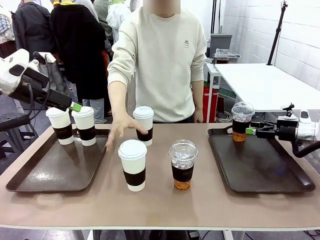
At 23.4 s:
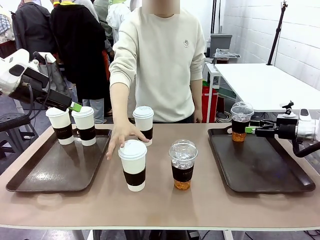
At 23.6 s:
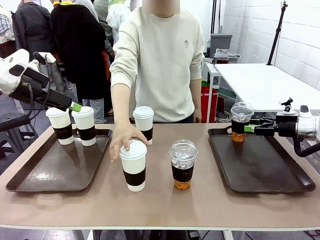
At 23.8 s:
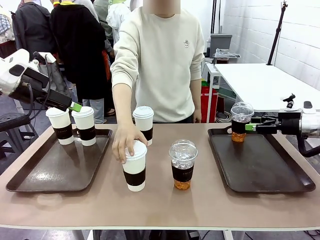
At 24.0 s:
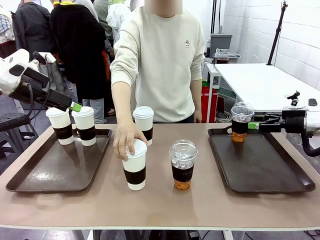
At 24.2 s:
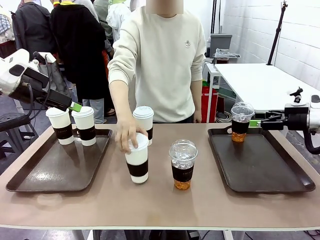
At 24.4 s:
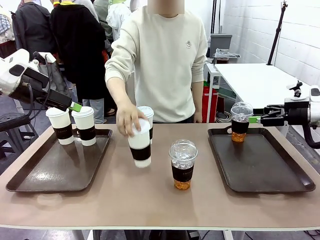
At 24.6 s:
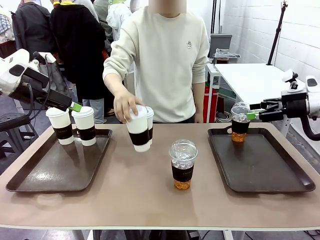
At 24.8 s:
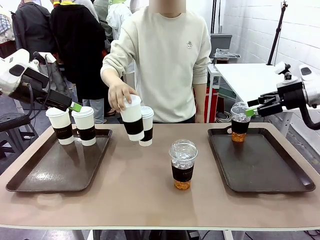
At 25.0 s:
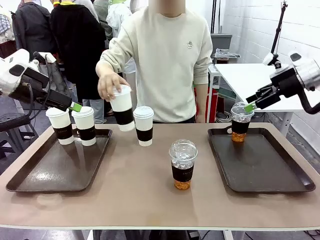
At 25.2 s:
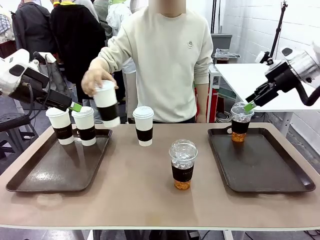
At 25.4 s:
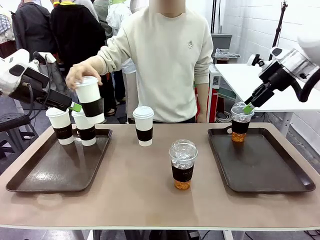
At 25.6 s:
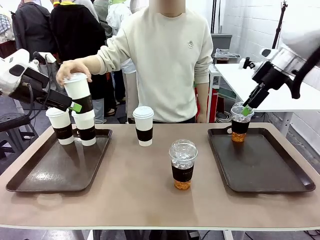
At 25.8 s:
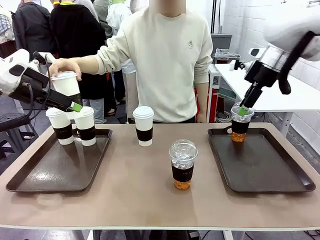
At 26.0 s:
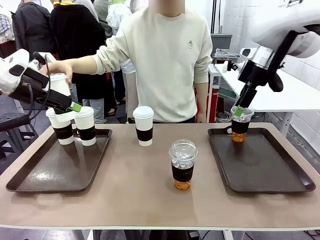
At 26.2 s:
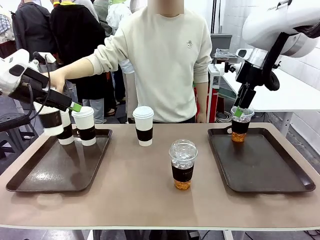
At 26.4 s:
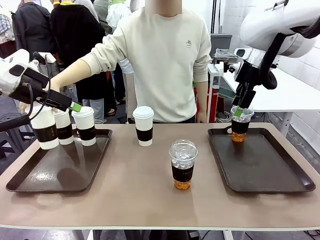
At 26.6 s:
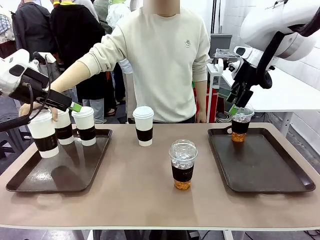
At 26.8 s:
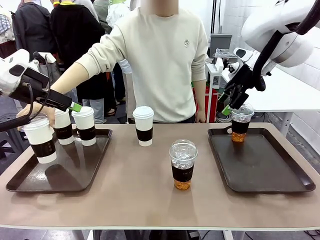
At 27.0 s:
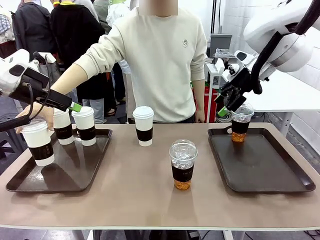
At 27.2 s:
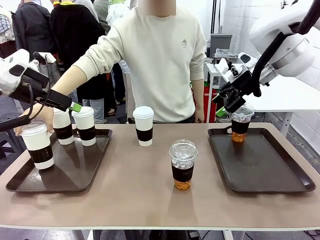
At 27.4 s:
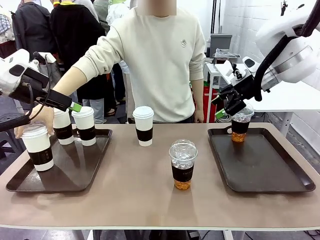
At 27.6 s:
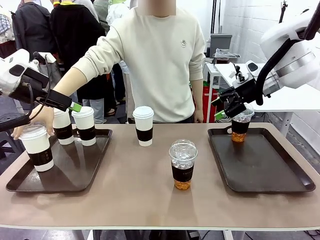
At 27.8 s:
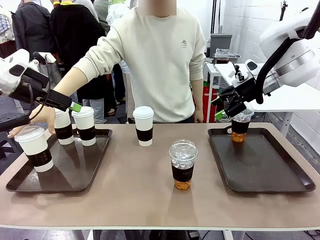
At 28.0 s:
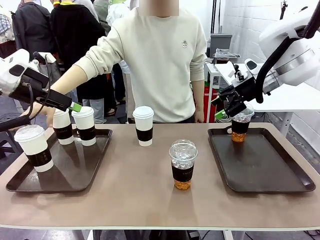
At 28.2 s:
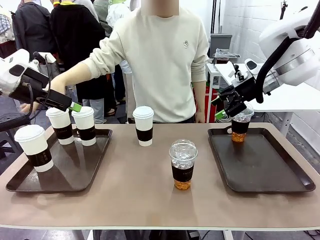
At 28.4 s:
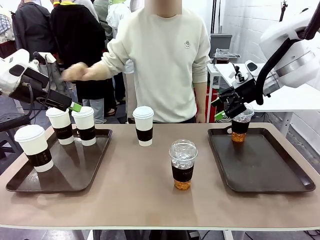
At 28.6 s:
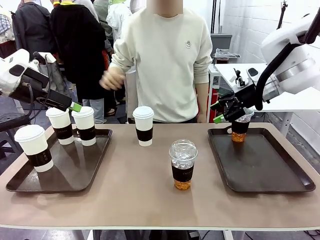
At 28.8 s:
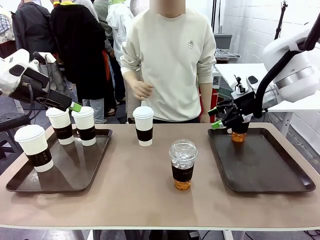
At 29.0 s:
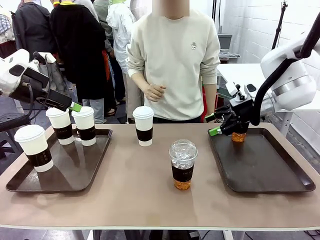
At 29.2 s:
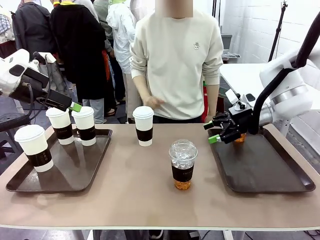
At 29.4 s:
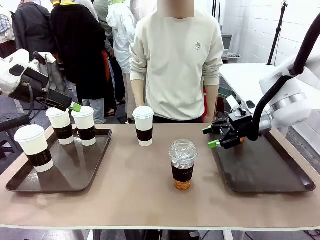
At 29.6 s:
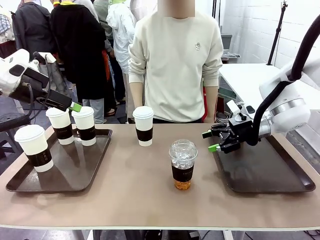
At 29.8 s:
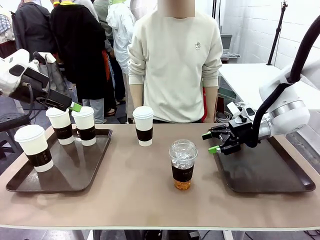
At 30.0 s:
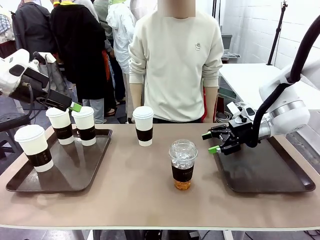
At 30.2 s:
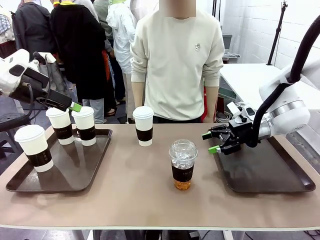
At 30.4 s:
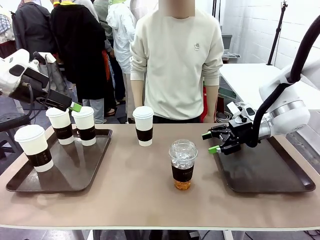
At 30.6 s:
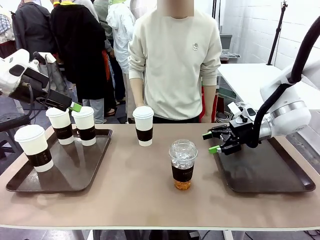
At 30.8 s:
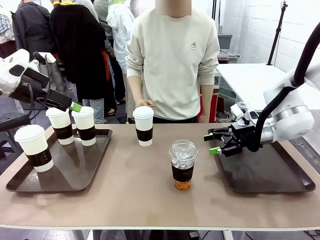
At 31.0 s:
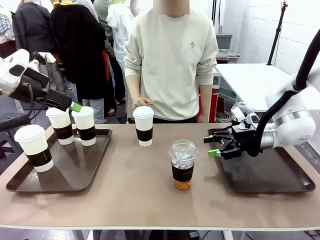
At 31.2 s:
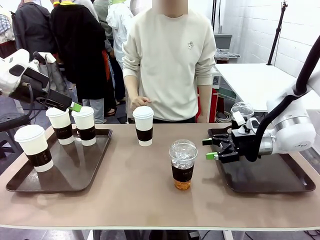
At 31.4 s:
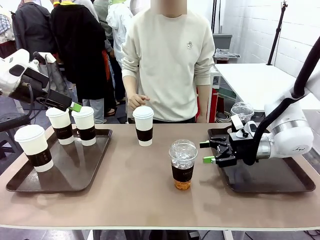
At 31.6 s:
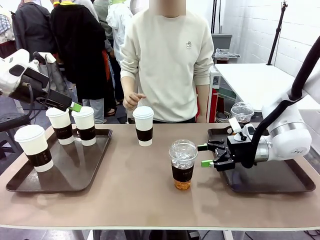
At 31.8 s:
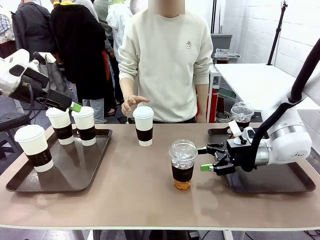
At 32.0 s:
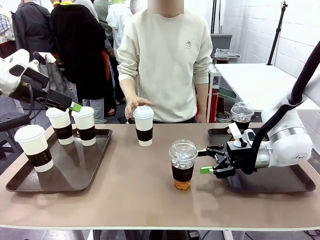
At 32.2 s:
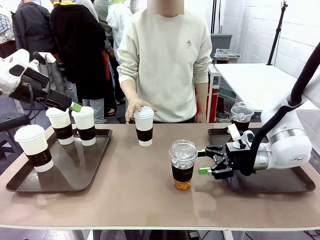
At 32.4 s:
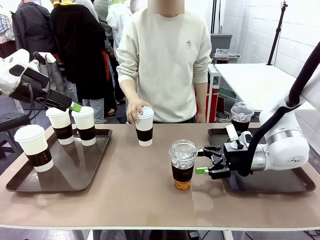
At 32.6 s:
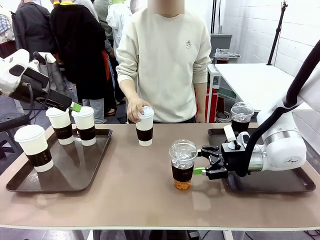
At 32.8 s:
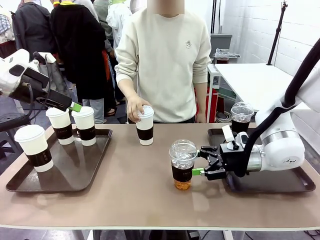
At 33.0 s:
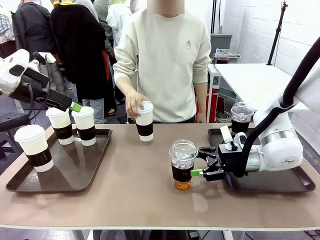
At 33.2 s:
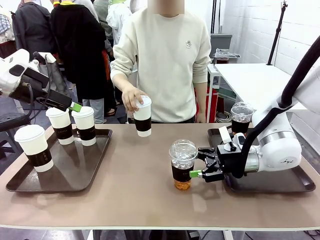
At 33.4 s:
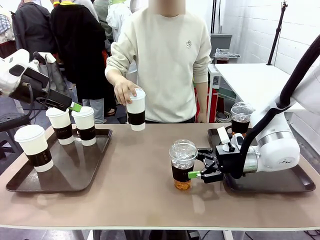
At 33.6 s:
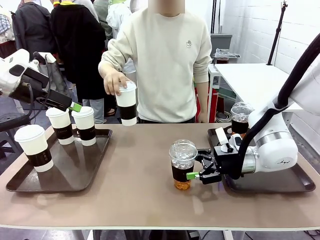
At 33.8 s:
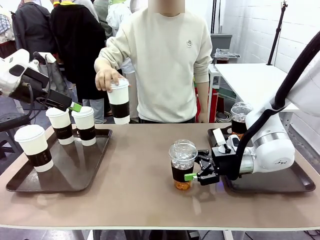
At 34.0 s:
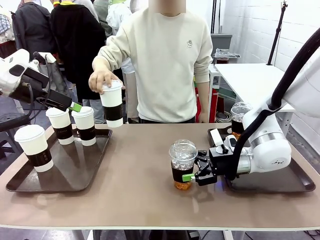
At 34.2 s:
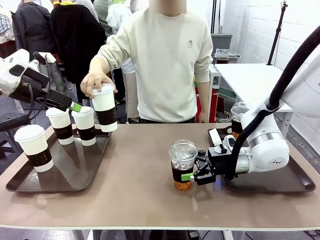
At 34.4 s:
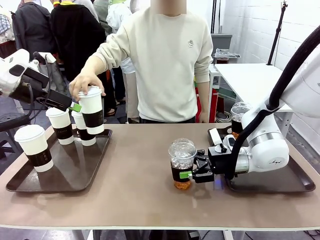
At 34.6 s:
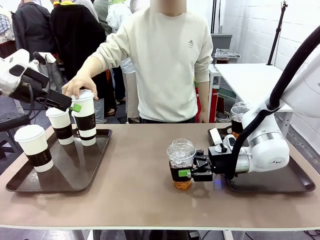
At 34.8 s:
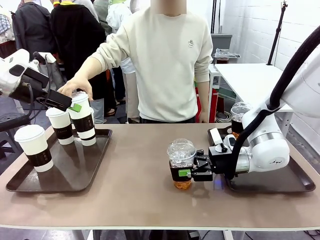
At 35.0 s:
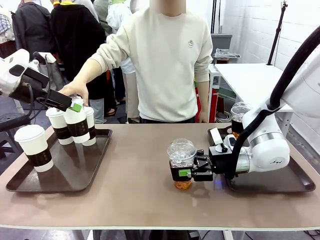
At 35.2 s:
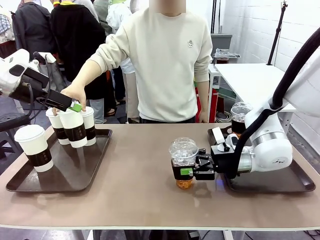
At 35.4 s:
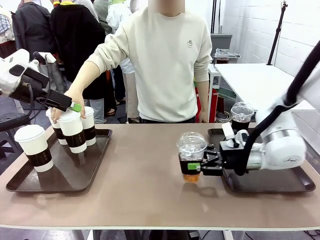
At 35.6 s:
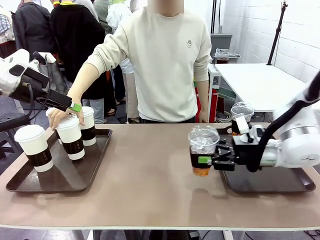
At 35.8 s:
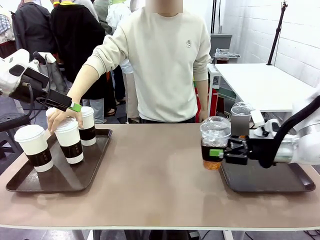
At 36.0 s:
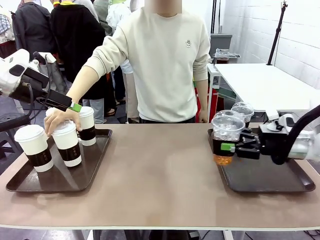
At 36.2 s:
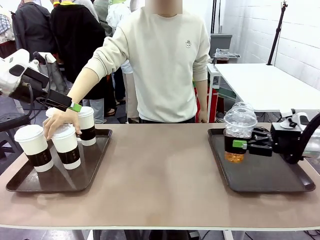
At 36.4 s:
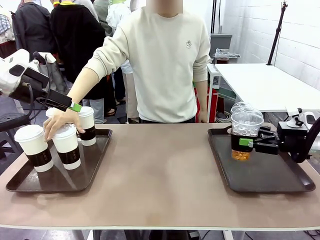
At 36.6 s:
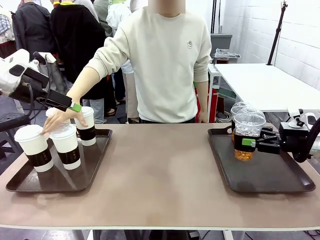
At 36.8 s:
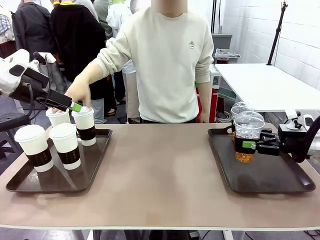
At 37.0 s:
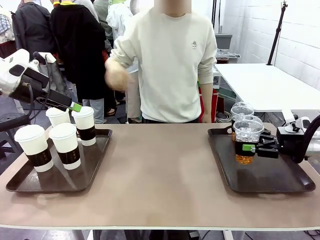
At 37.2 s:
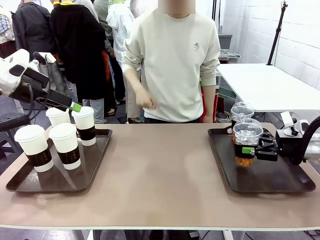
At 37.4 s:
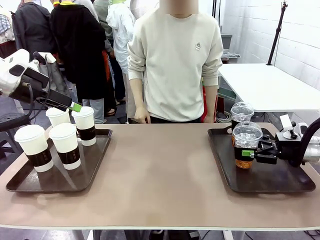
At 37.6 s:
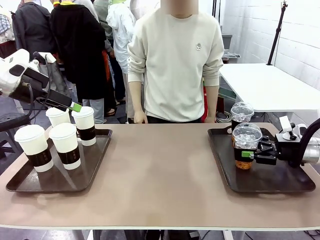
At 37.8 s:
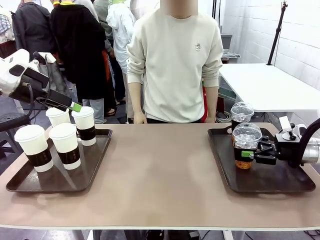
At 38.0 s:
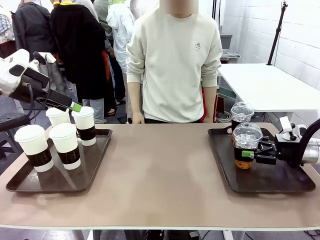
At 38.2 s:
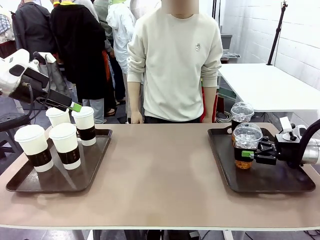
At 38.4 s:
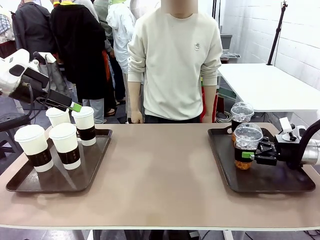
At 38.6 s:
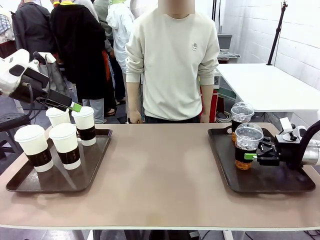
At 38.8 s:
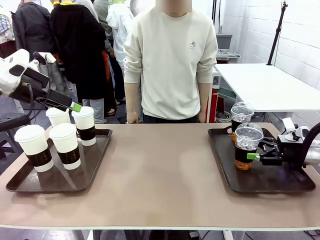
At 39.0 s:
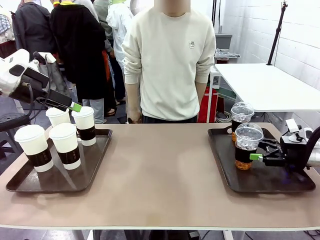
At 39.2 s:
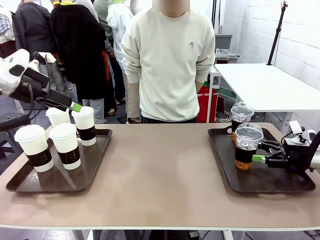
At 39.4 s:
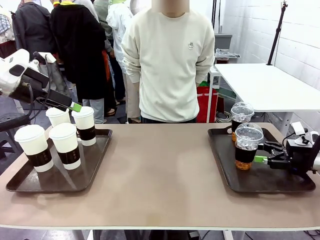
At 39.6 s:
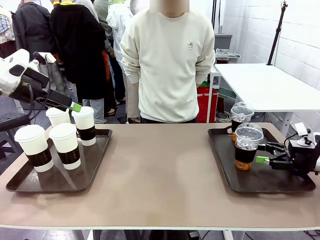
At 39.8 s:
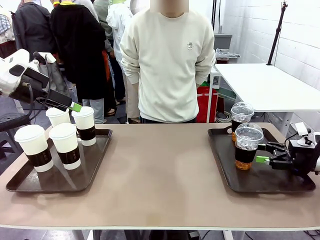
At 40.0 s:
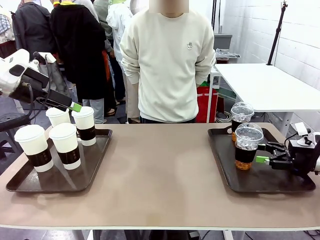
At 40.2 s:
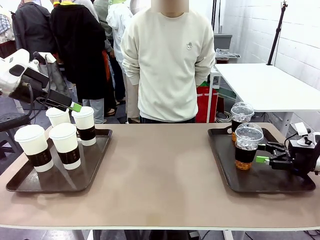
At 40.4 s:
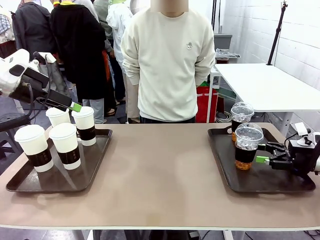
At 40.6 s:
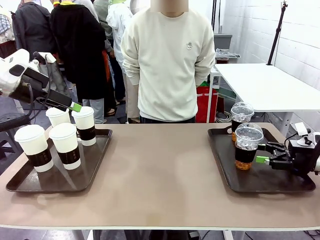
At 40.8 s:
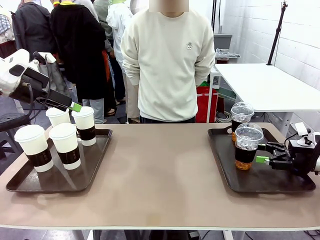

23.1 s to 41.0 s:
Task: Distribute the coffee onto the tray.
Robot: Pick up another iced Americano from the middle of the table and place it on the right Handle tray.
Person: Pick up a cup of hot Americano from the middle of the table and place it on the right tray.
